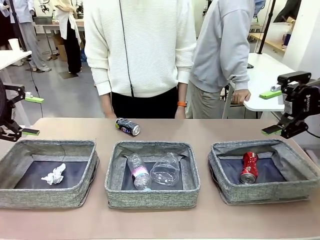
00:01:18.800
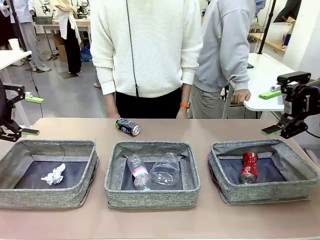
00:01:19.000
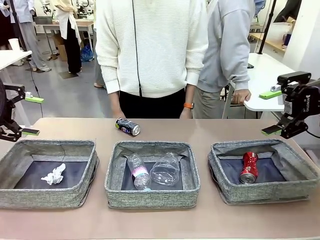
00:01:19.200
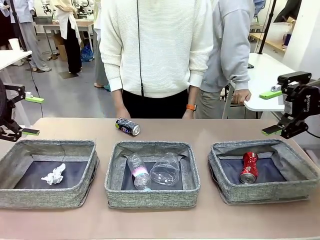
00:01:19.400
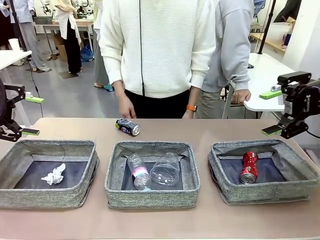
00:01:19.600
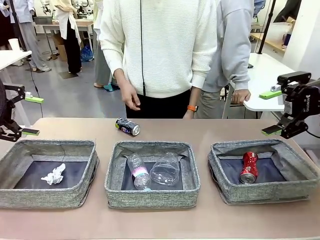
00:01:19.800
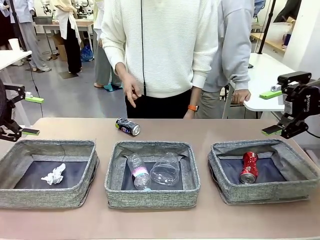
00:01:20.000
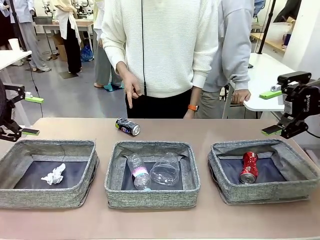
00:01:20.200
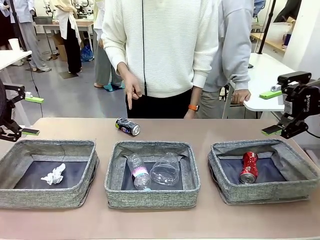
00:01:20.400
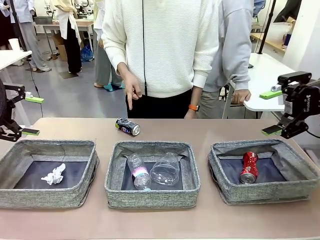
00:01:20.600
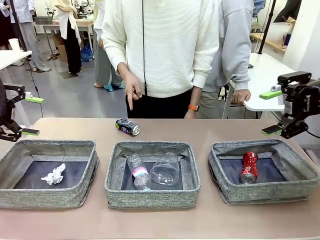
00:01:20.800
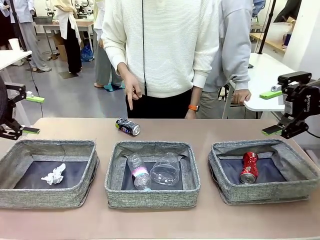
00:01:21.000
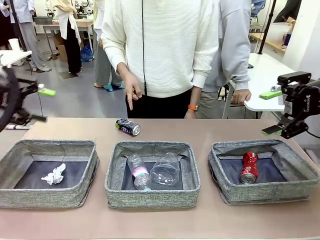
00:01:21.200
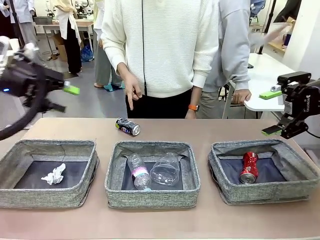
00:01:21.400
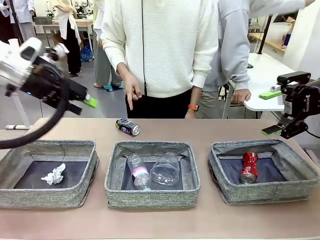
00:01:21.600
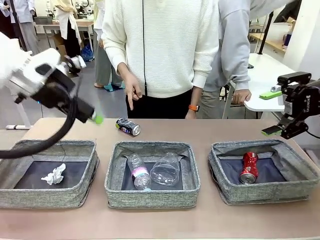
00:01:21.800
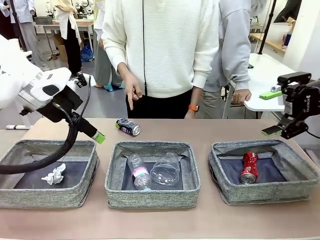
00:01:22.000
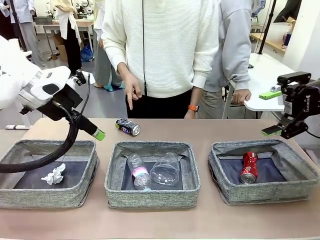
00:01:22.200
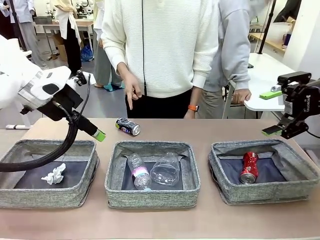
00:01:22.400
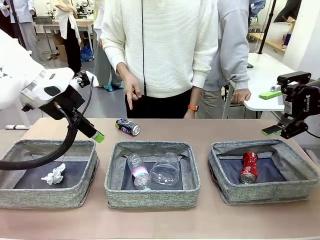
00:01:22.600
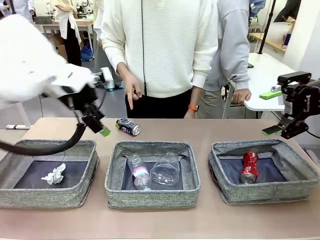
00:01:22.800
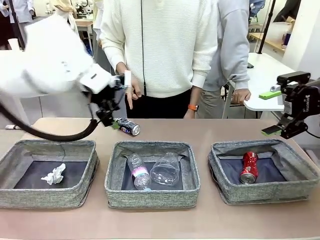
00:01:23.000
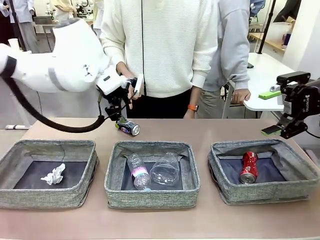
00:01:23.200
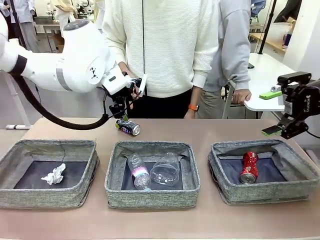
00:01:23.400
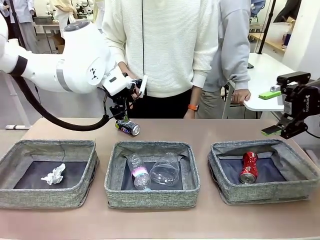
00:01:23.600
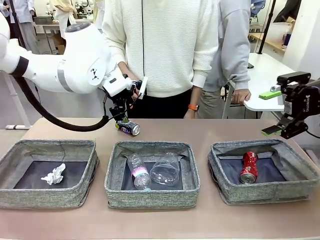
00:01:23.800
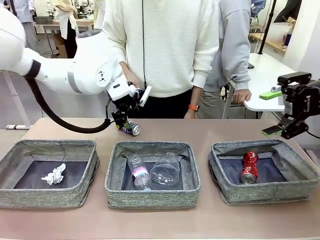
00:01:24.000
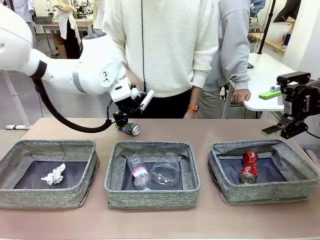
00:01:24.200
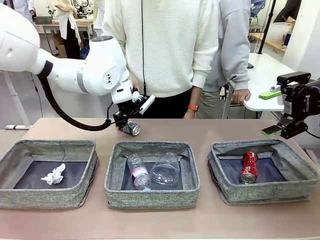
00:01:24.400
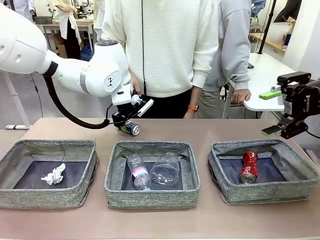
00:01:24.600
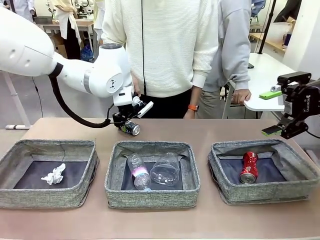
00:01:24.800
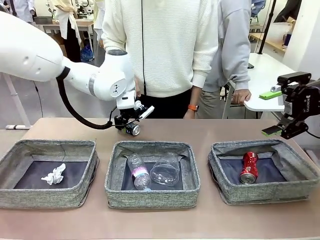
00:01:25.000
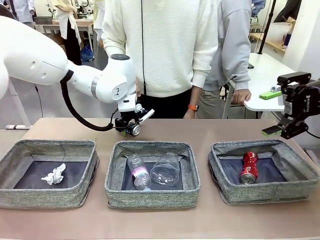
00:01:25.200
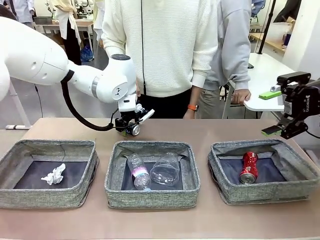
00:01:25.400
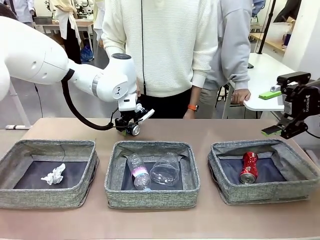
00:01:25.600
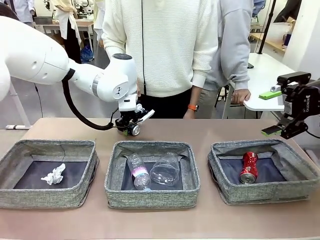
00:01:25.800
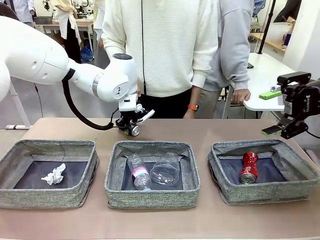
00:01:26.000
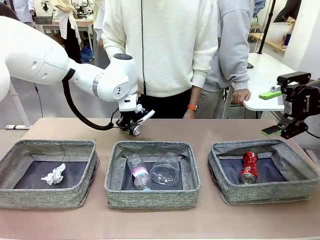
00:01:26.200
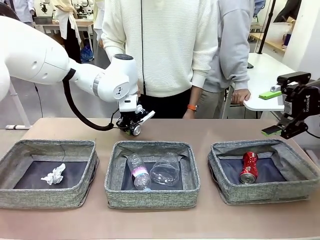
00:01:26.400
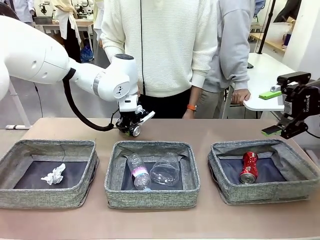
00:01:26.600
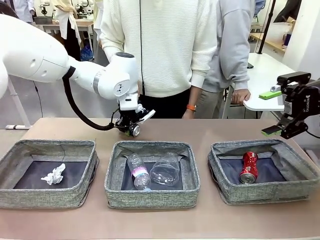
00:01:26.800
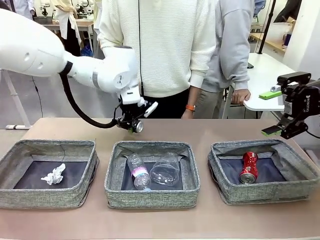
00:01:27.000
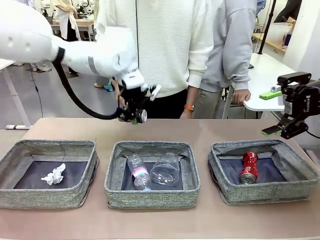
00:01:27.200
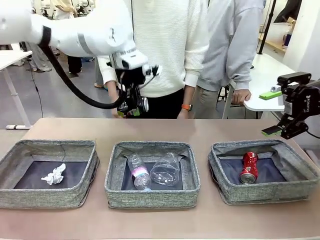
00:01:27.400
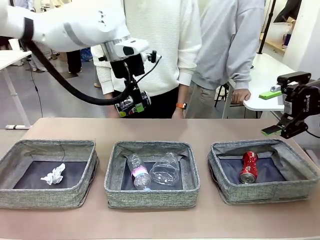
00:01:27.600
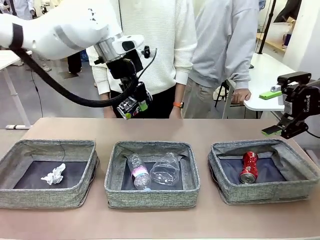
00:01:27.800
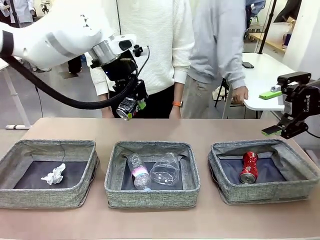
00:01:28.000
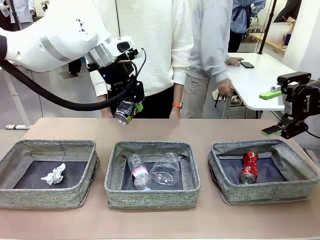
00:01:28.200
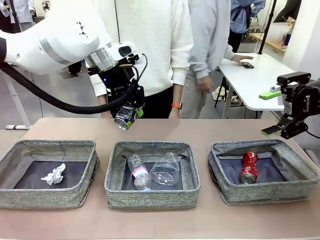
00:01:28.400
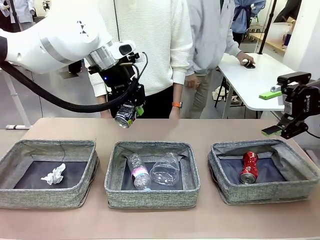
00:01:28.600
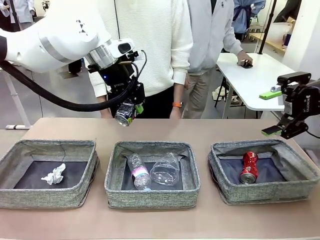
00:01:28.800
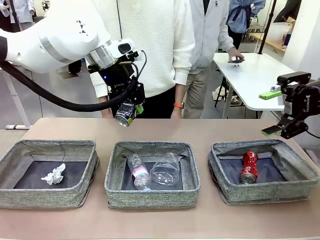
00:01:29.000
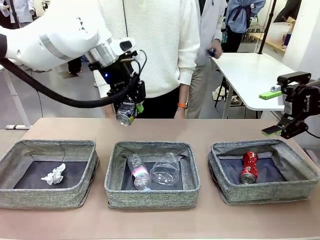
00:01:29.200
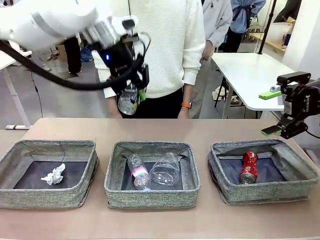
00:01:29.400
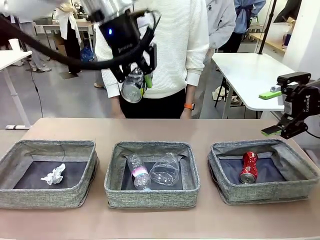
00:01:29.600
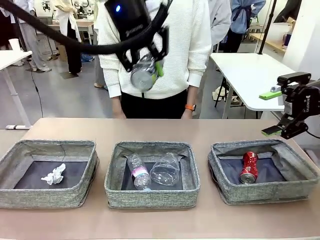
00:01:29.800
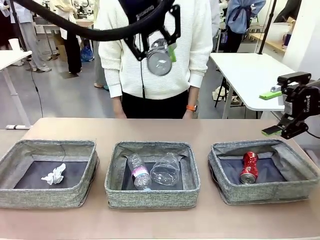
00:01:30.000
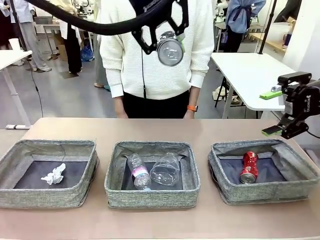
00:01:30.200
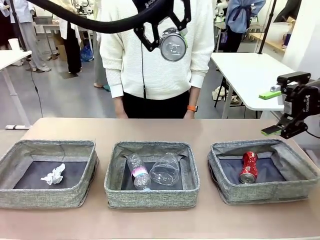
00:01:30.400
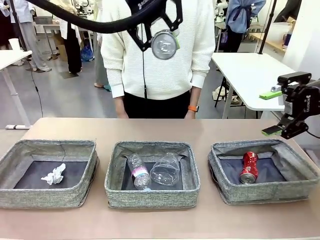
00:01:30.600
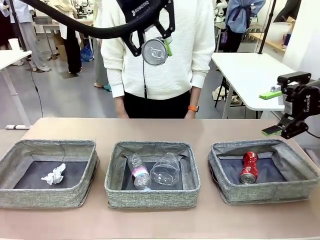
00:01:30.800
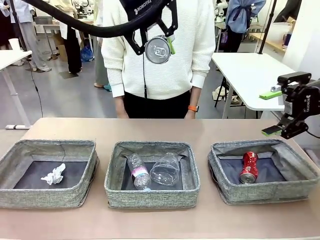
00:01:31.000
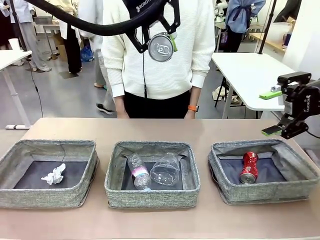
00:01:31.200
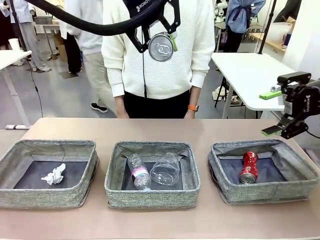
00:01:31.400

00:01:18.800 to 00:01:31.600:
Task: Sort the waste into the appropriate baskets.
Robot: Pick up the waste item pointed out by the person.
Person: Points to one piece of trash on the table.

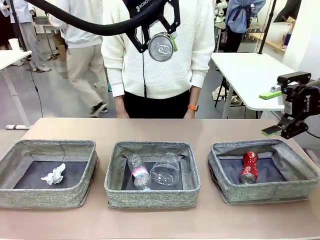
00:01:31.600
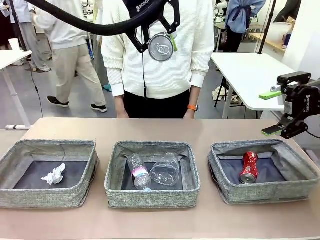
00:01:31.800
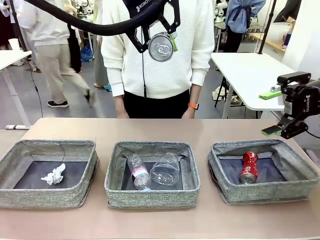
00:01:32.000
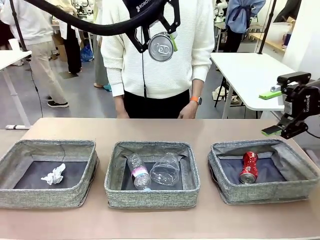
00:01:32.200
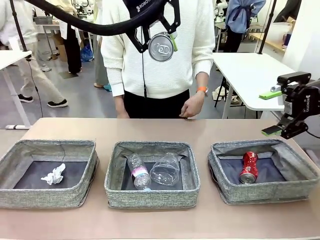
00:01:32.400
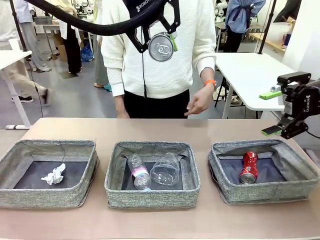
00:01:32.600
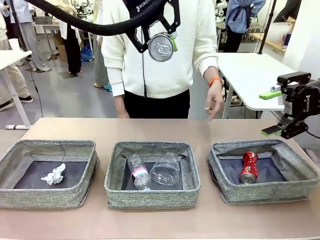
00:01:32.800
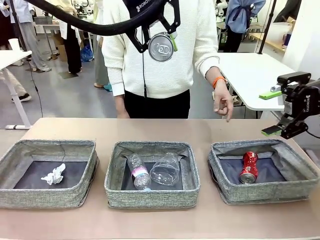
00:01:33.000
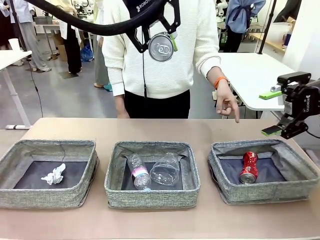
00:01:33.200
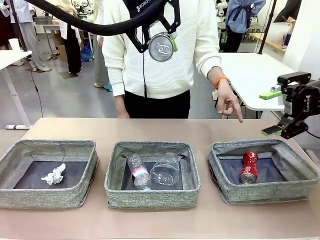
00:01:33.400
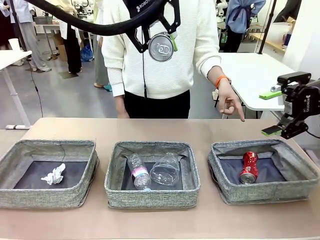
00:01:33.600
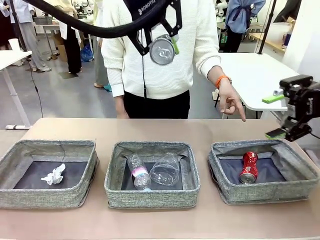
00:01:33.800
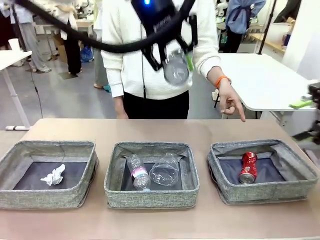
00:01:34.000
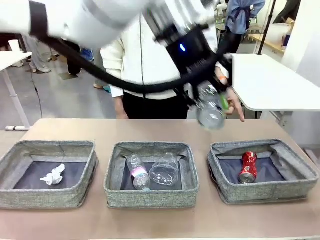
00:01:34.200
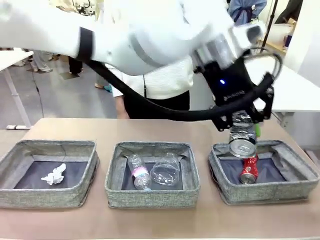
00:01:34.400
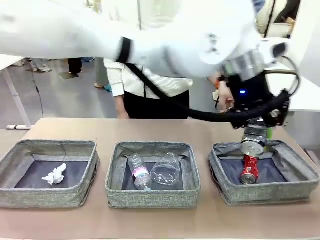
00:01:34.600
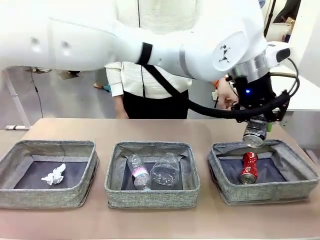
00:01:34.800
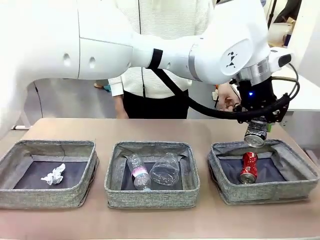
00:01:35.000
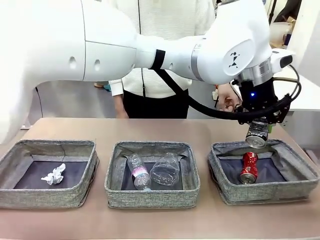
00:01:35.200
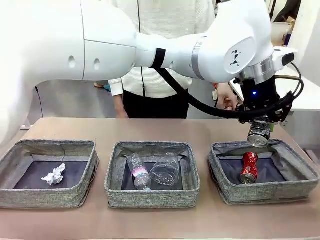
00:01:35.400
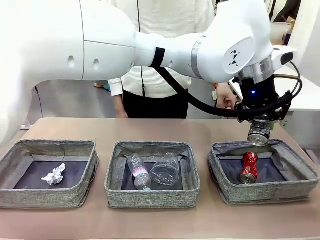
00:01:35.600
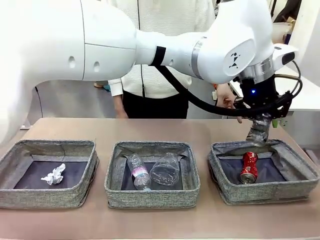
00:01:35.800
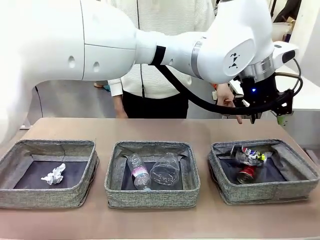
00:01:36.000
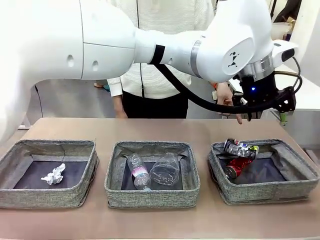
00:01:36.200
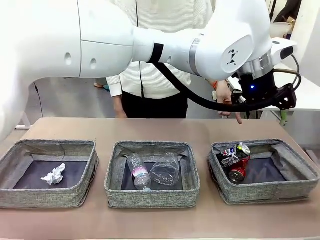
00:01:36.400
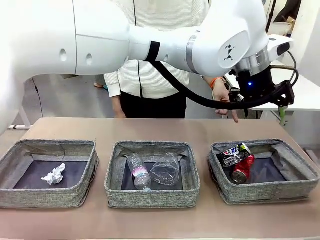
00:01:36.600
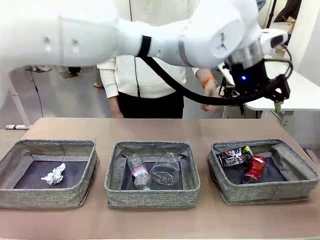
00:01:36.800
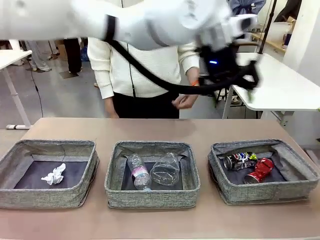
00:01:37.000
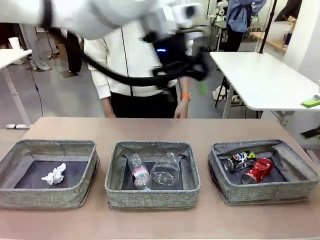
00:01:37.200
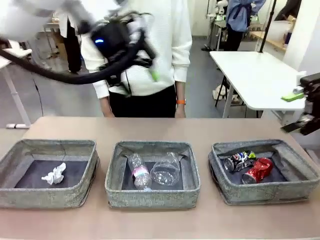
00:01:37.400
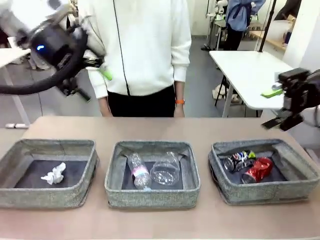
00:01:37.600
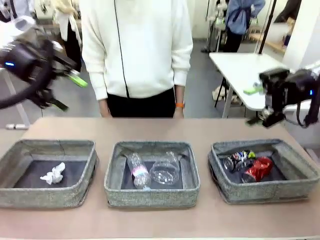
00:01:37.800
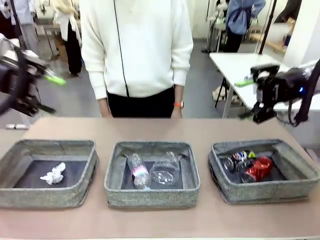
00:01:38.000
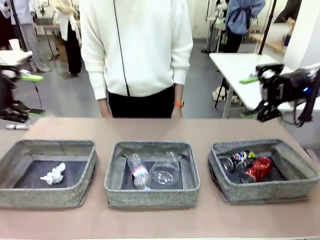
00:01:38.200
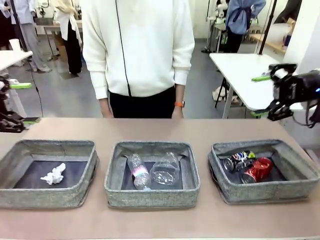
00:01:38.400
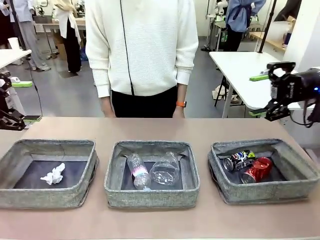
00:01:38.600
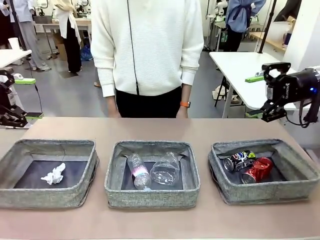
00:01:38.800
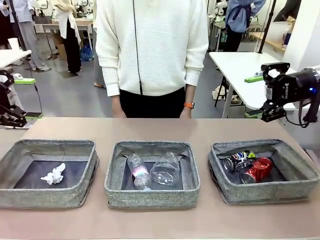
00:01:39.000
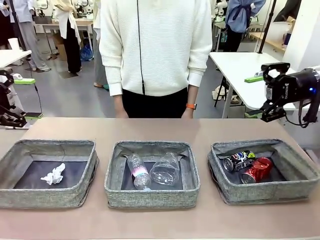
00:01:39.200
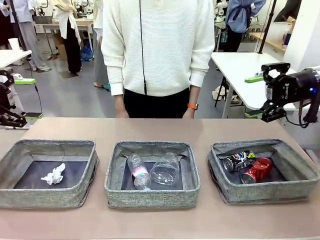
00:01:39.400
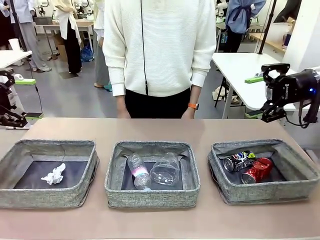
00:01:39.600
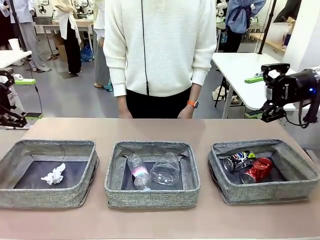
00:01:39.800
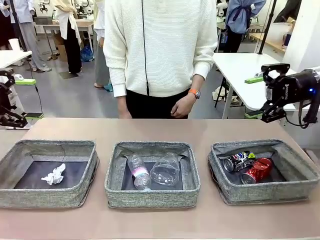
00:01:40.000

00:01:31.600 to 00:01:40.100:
Robot: Place the picked waste into the Fabric basket indicated by the person.
Person: Instructs the robot to place the picked-up trash into the appropriate organizing basket.
